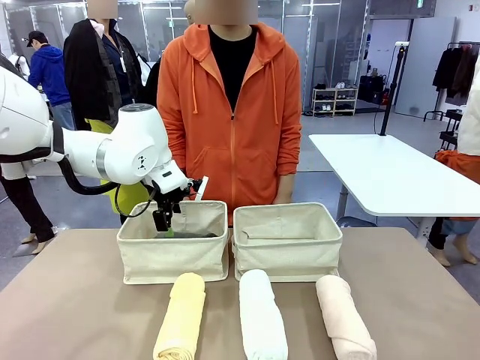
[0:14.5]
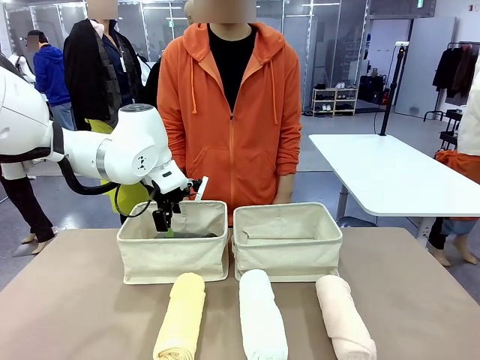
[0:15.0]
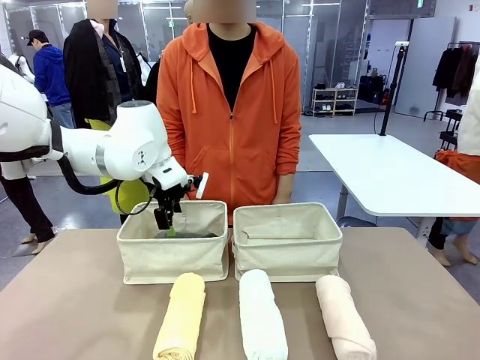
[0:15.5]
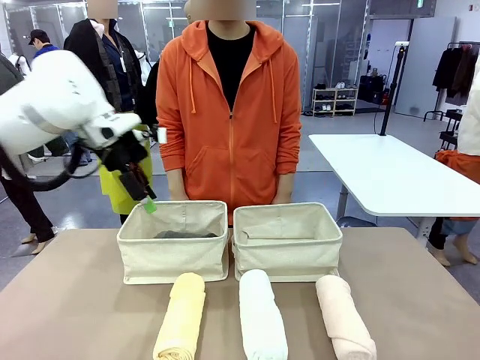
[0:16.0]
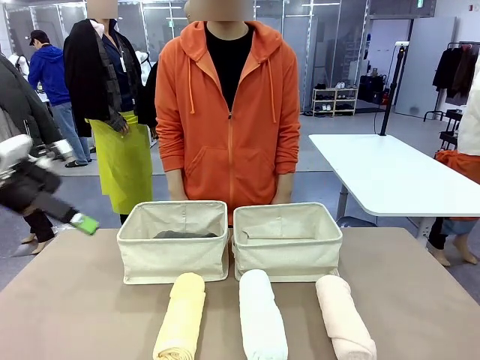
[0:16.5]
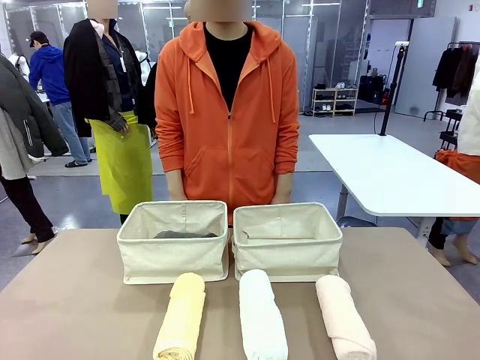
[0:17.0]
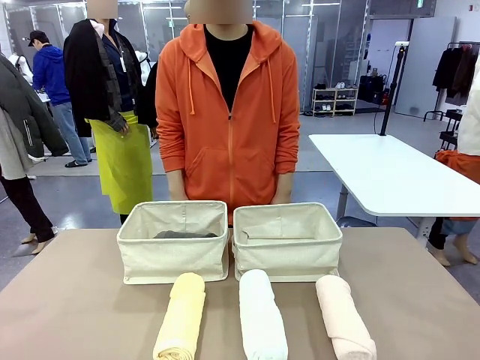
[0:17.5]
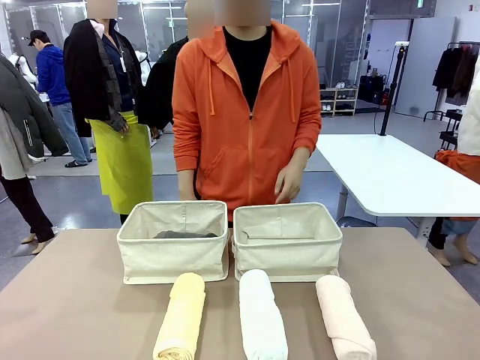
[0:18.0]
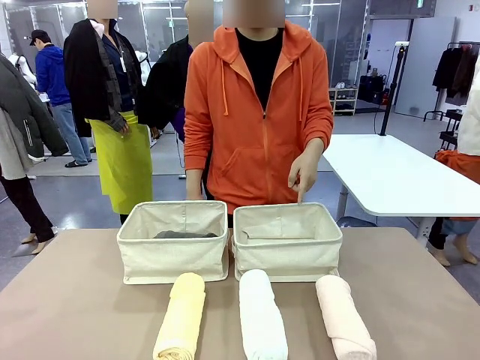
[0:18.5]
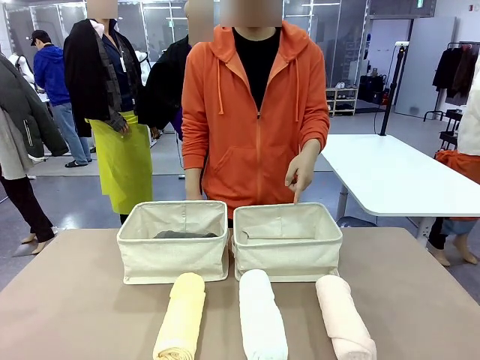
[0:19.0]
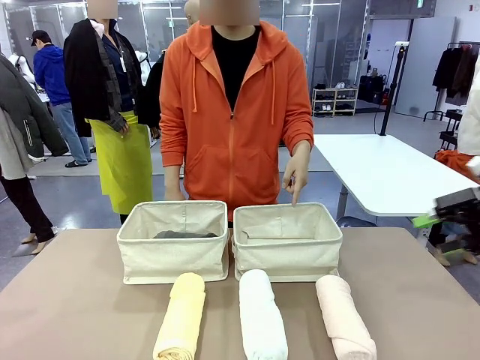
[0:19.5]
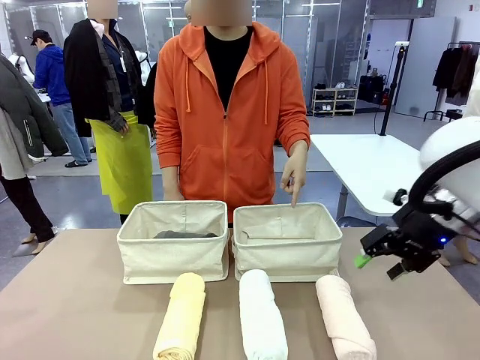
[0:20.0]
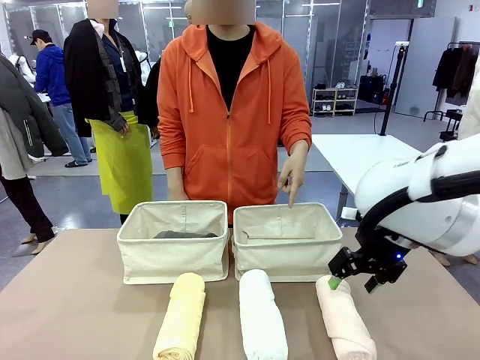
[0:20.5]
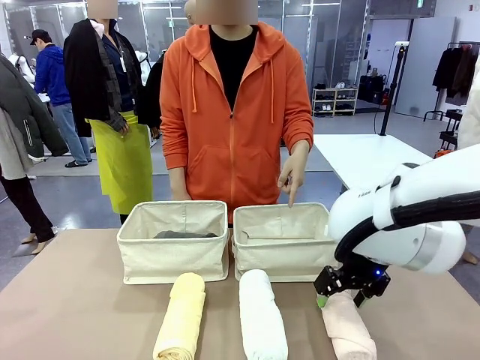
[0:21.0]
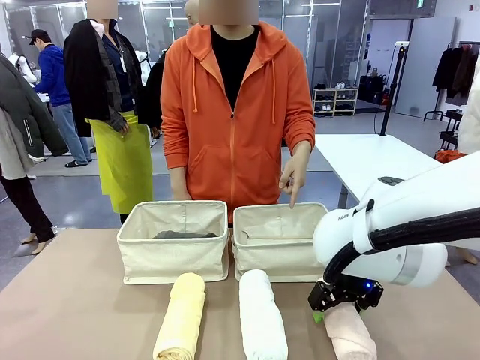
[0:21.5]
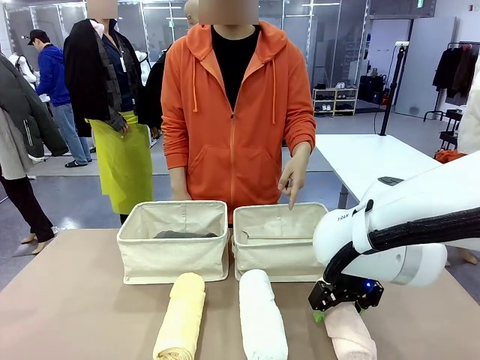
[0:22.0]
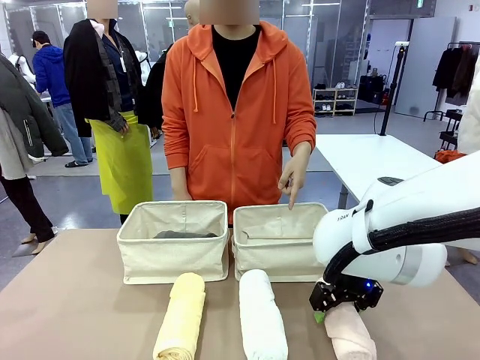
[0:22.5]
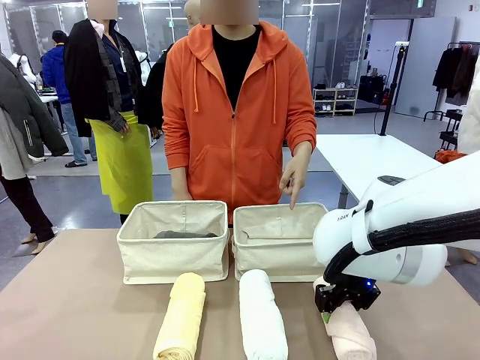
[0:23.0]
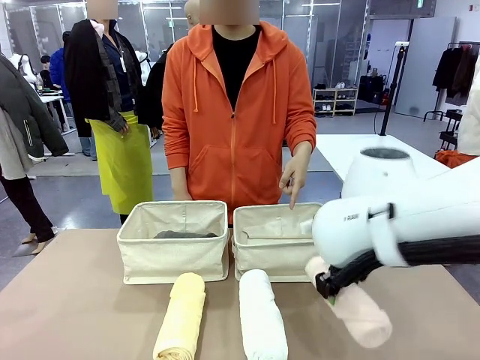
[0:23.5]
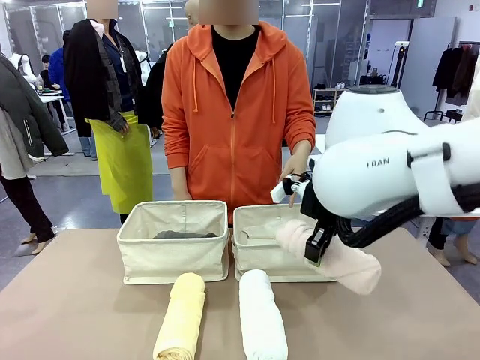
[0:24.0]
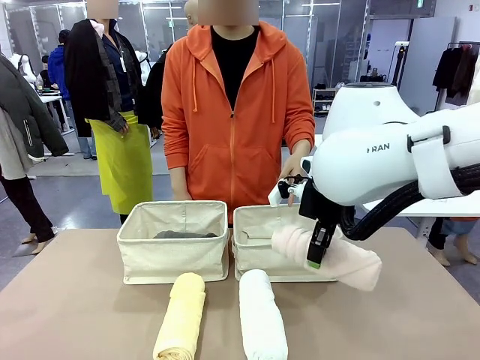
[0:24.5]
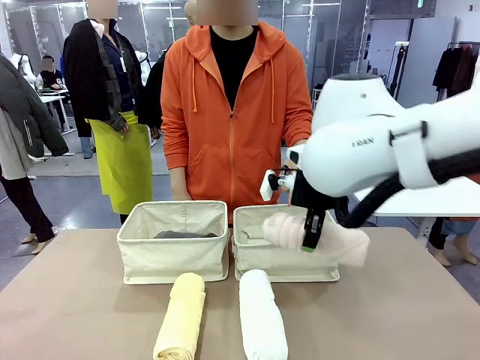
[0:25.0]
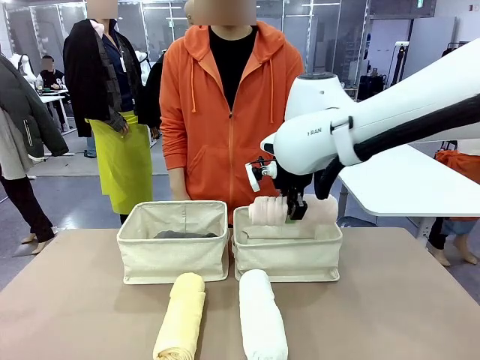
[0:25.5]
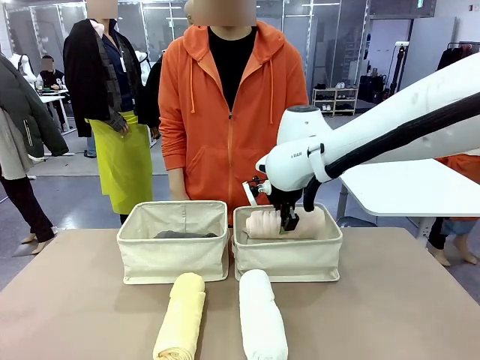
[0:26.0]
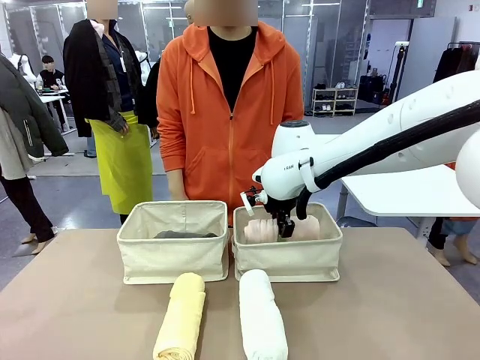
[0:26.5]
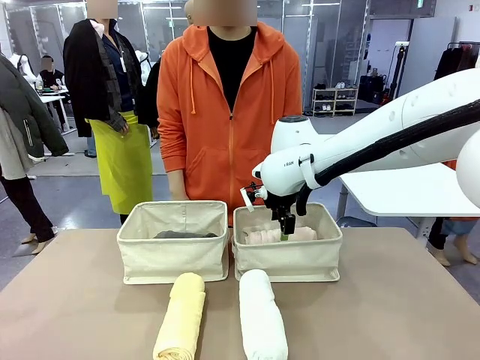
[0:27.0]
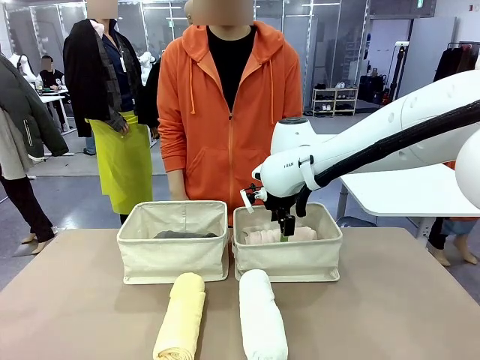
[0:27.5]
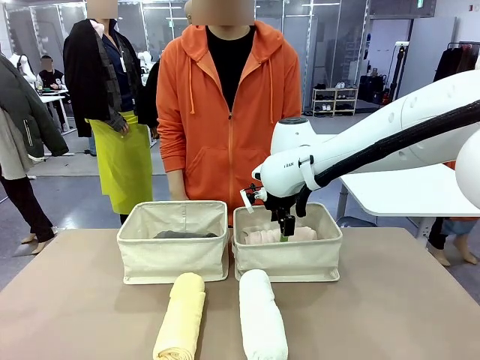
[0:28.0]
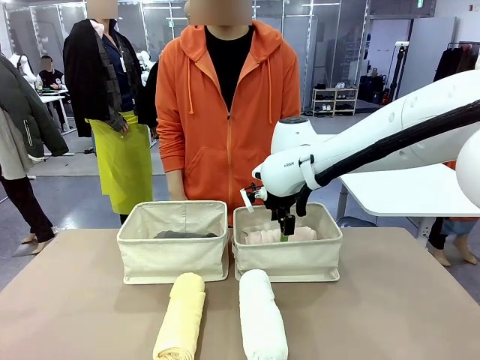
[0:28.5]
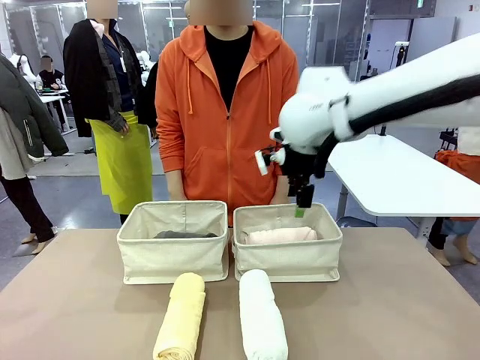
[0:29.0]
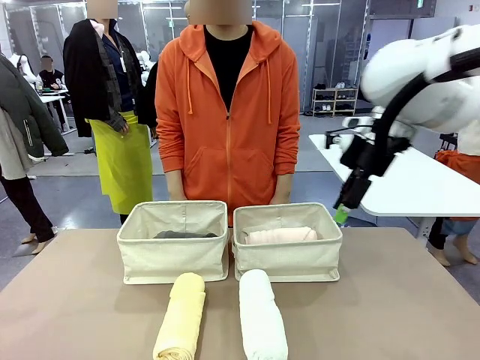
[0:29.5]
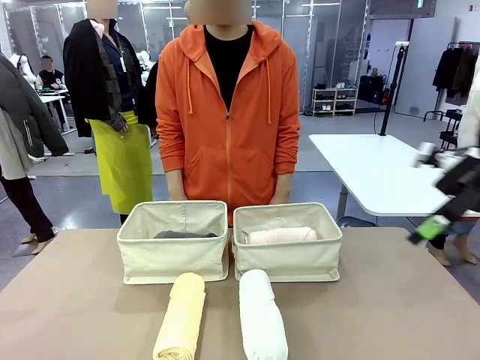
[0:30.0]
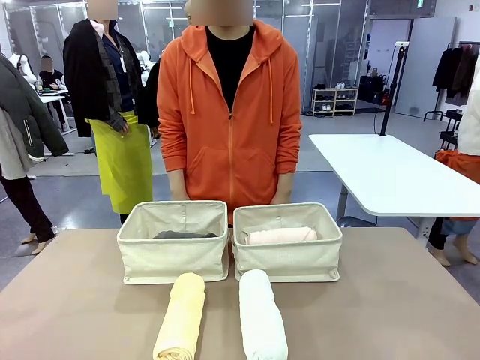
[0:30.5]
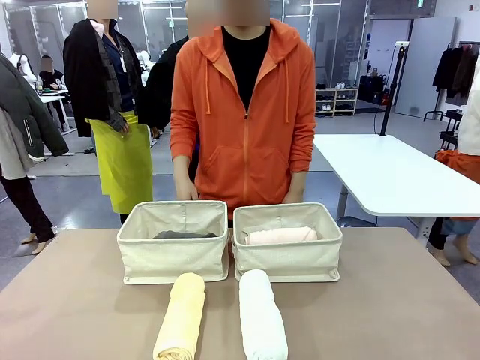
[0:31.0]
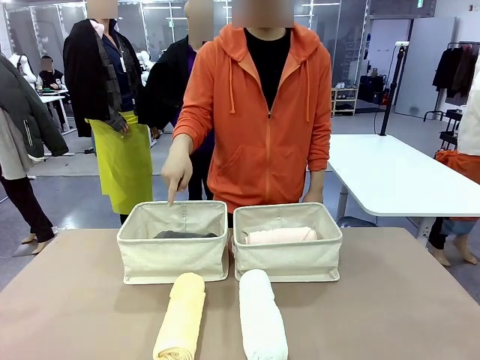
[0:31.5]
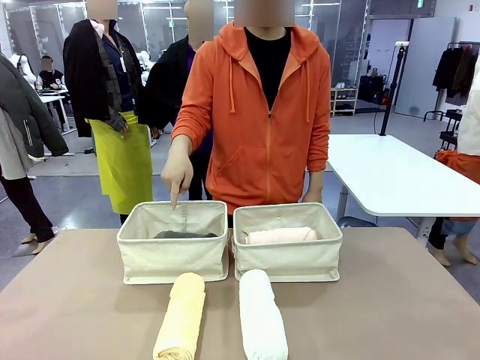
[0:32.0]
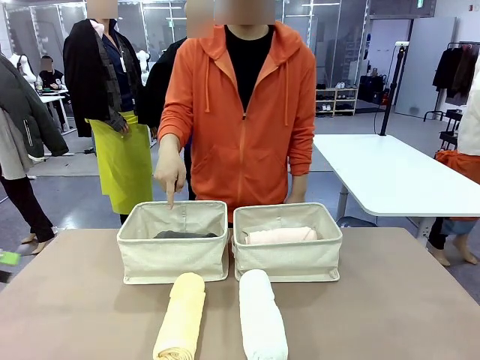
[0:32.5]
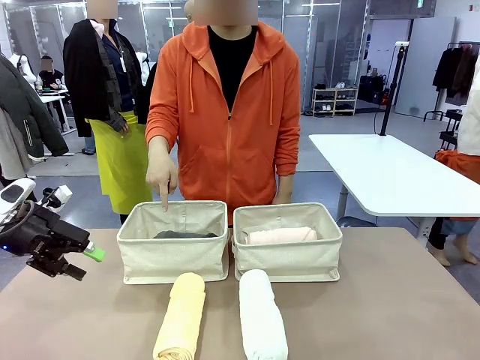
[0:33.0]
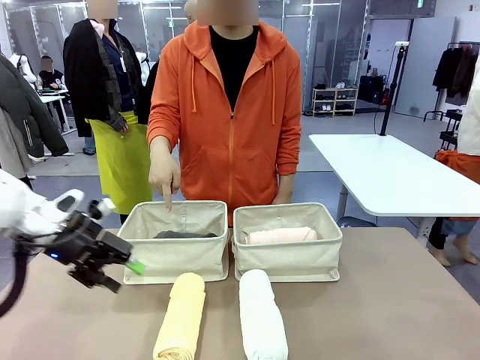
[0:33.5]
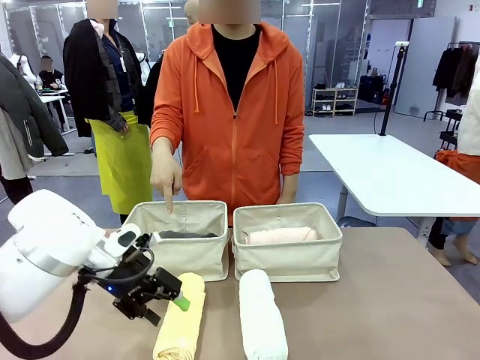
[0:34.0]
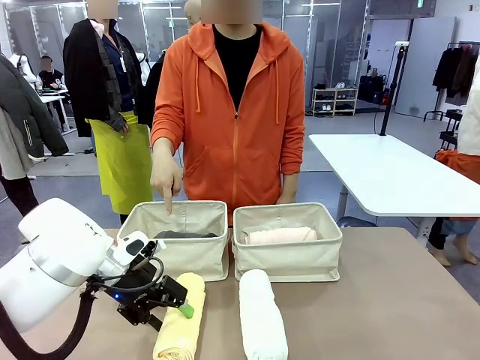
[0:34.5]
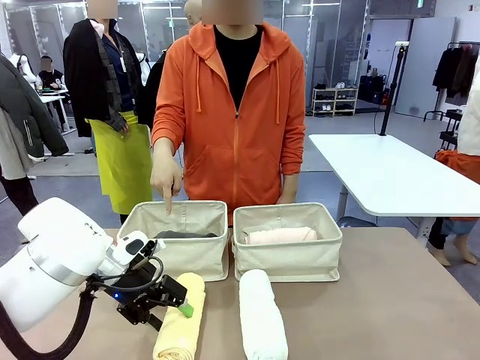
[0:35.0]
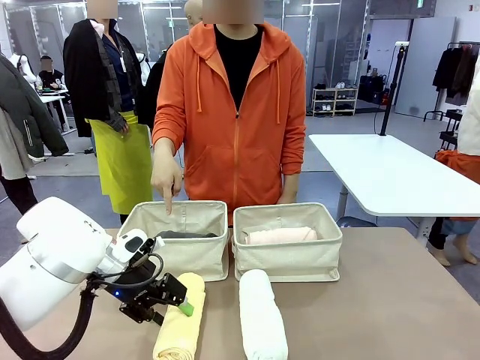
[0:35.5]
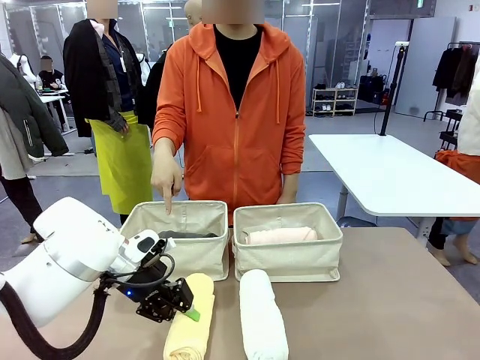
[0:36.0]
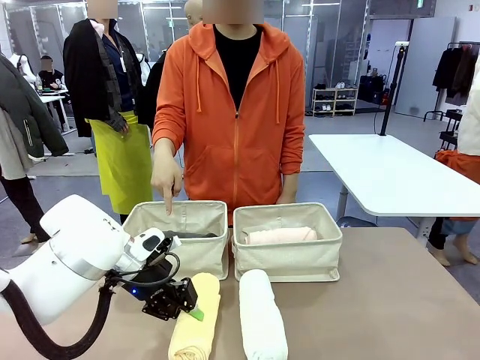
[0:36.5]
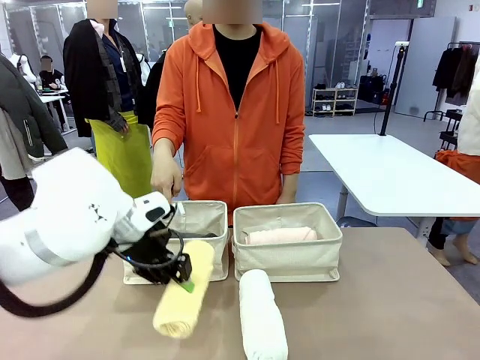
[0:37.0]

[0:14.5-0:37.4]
Task: Divide the towels into two baskets.
Robot: Pick up one hotel-folded towel from the bottom of the table and place it in the Fabric basket indicated by the person.

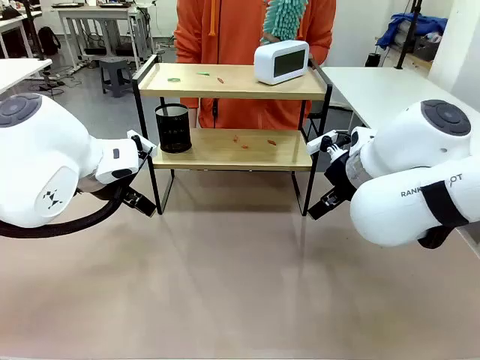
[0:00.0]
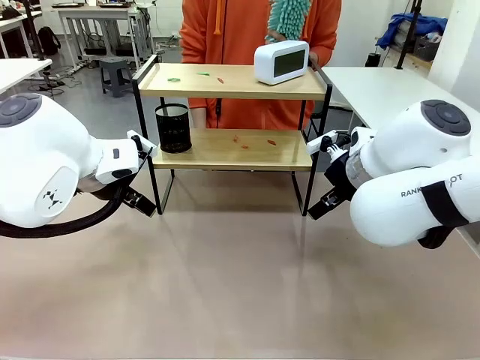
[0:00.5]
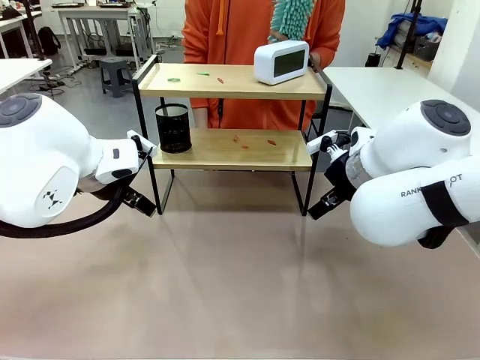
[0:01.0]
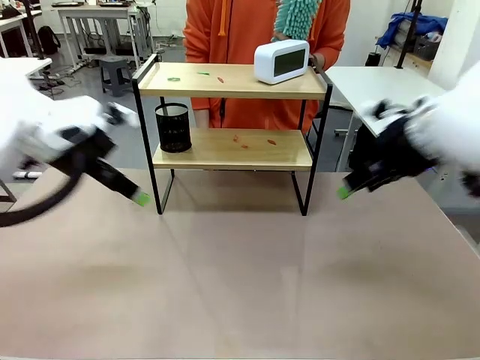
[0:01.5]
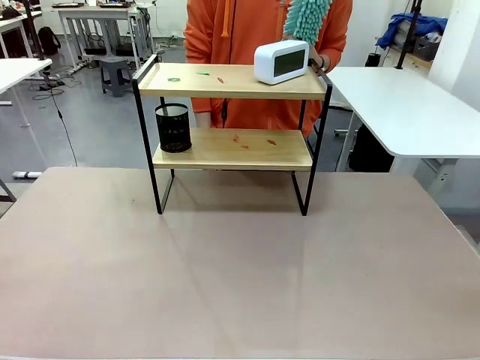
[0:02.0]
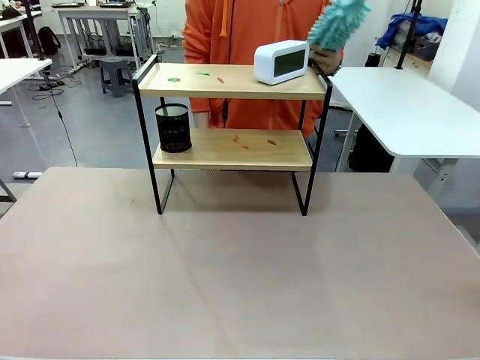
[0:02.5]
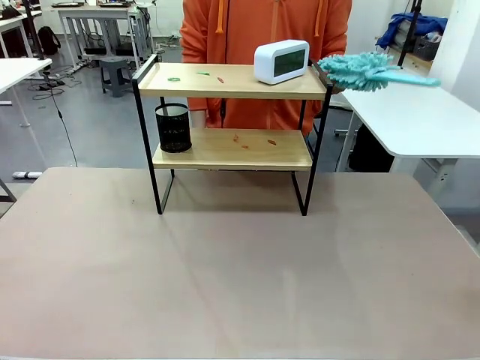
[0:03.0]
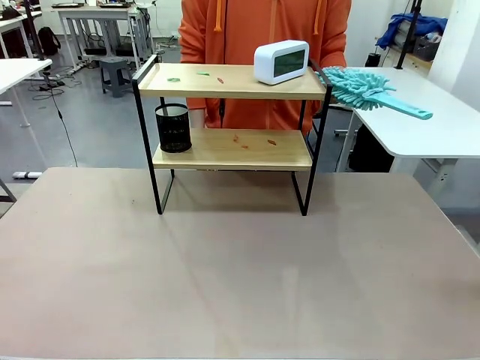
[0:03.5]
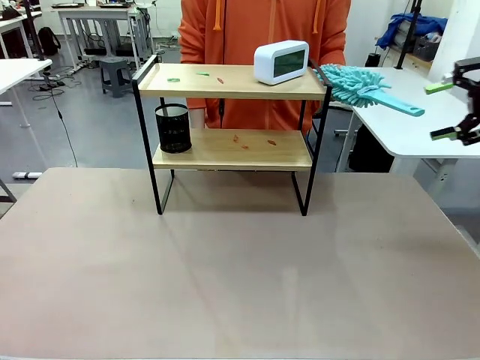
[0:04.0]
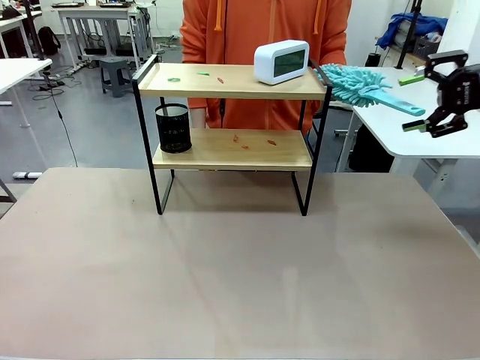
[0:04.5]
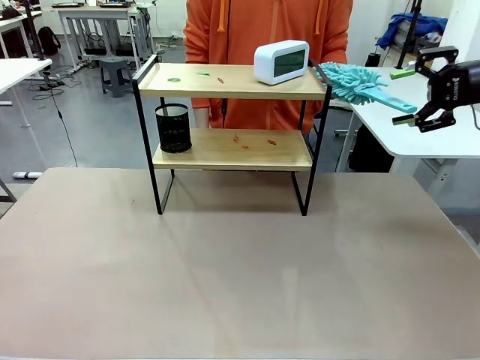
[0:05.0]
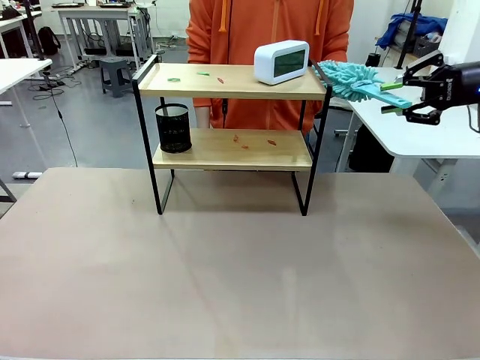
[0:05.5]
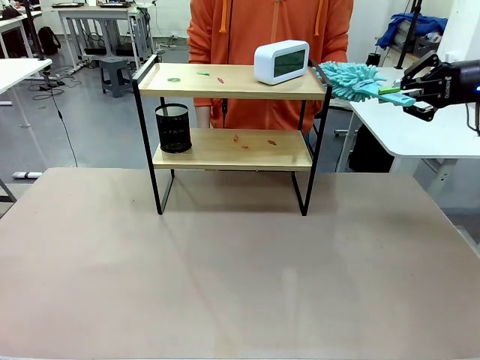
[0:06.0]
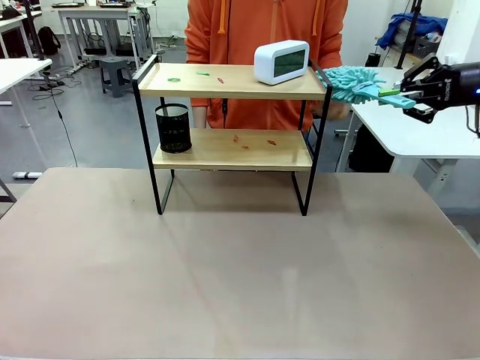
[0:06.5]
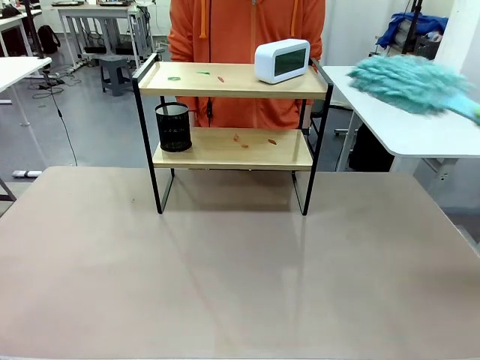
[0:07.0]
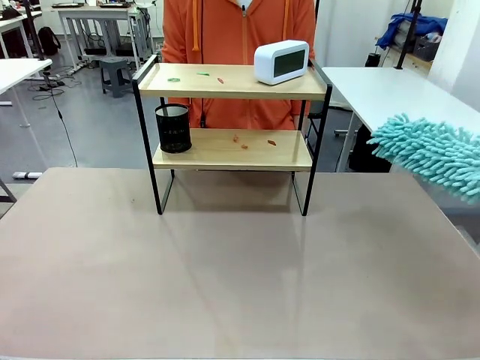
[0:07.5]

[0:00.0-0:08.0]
Task: Clean the shelf.
Robot: Pick up the Duster from the human.
Person: Hand the Duster to the robot.
